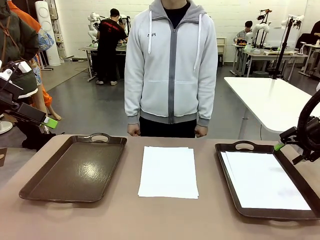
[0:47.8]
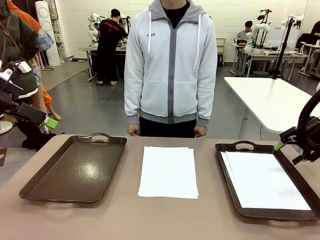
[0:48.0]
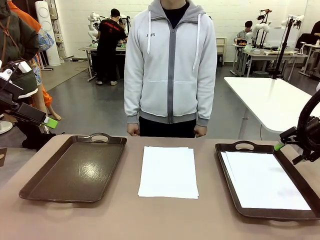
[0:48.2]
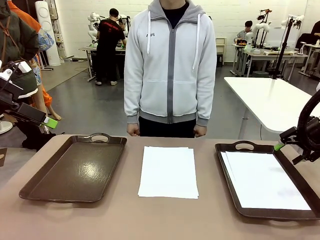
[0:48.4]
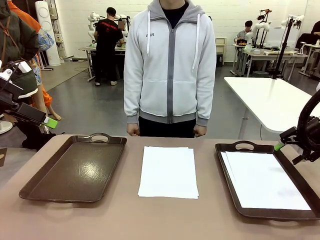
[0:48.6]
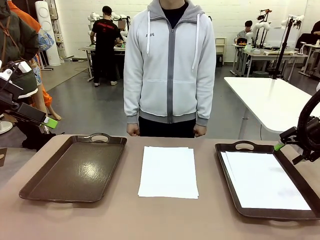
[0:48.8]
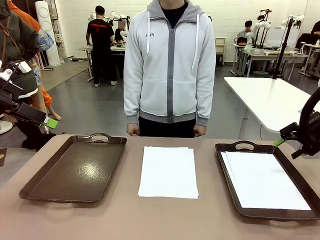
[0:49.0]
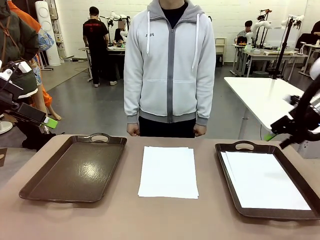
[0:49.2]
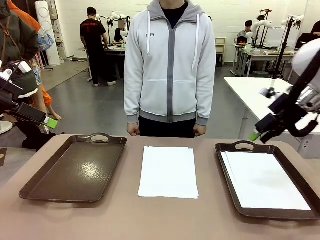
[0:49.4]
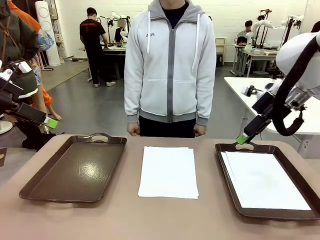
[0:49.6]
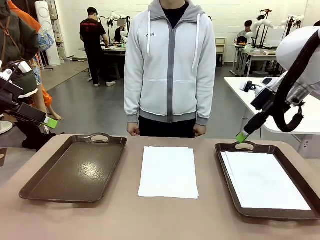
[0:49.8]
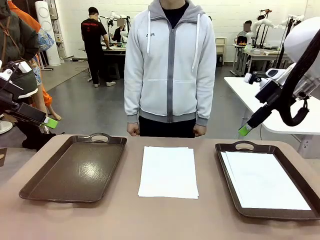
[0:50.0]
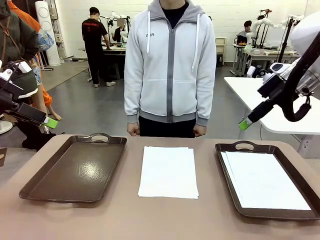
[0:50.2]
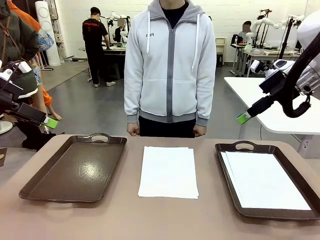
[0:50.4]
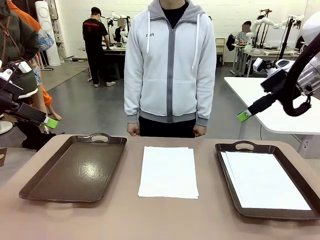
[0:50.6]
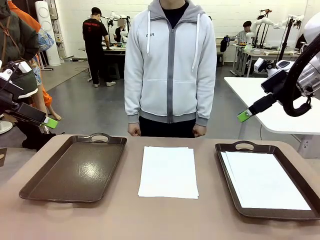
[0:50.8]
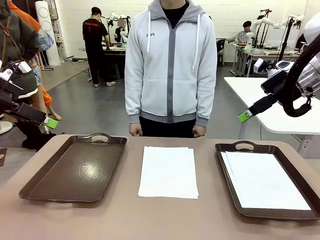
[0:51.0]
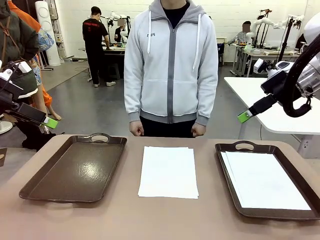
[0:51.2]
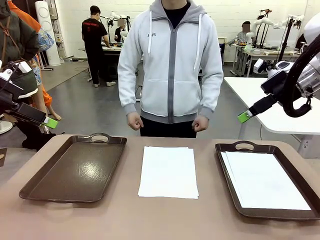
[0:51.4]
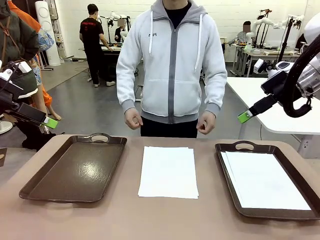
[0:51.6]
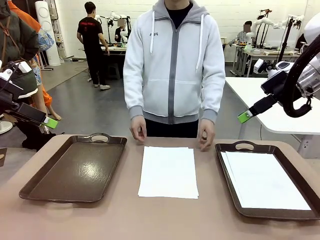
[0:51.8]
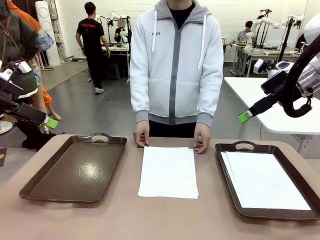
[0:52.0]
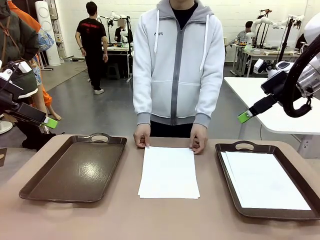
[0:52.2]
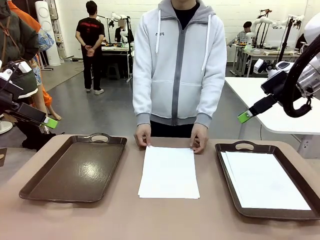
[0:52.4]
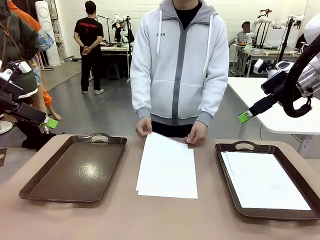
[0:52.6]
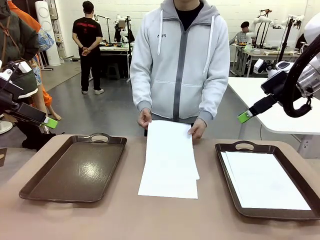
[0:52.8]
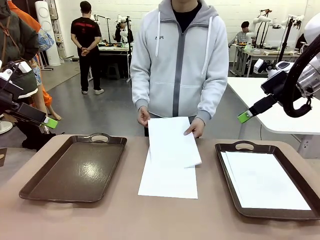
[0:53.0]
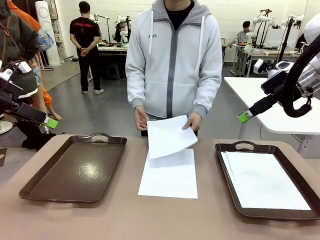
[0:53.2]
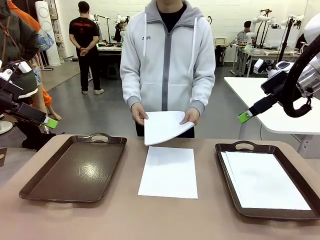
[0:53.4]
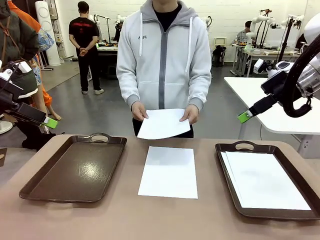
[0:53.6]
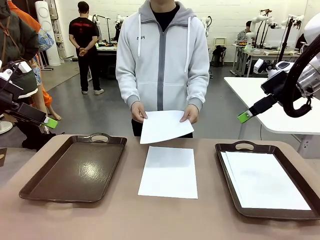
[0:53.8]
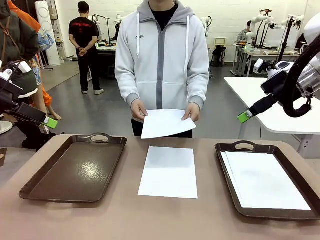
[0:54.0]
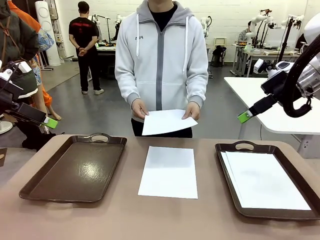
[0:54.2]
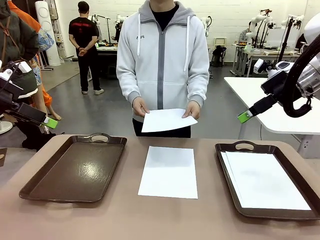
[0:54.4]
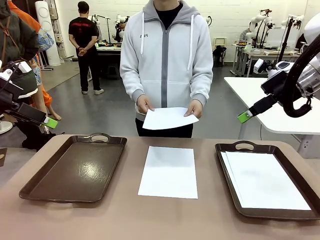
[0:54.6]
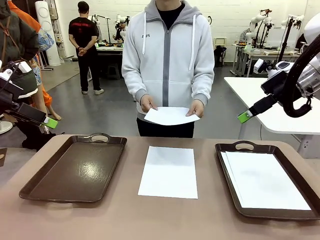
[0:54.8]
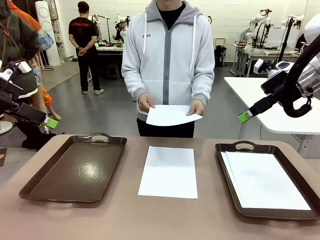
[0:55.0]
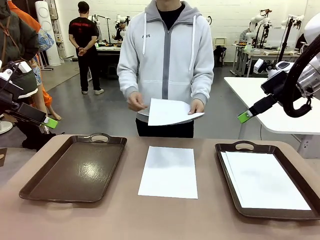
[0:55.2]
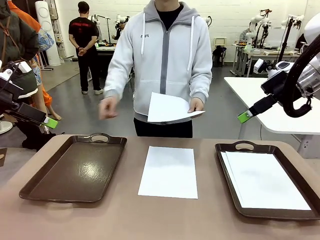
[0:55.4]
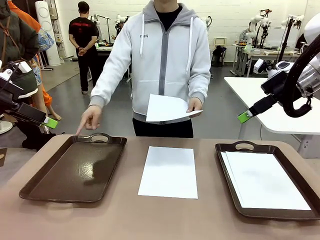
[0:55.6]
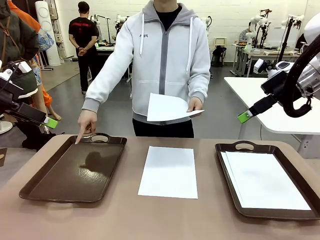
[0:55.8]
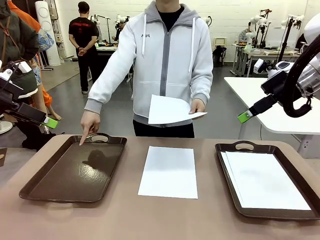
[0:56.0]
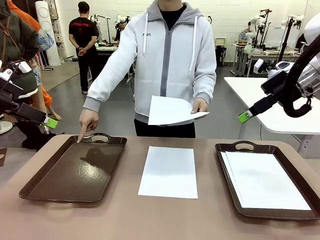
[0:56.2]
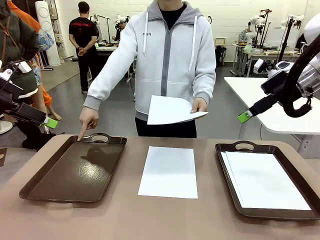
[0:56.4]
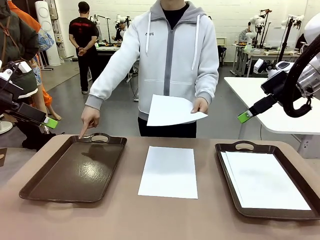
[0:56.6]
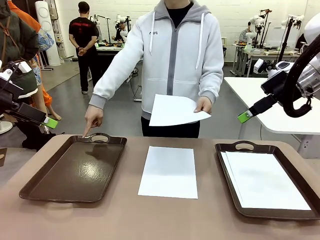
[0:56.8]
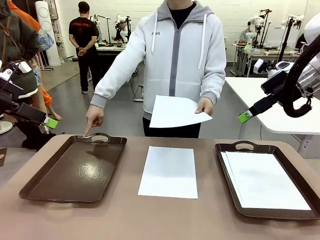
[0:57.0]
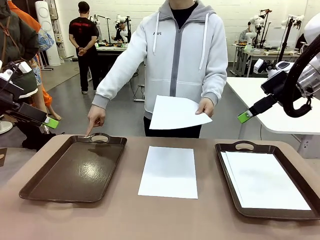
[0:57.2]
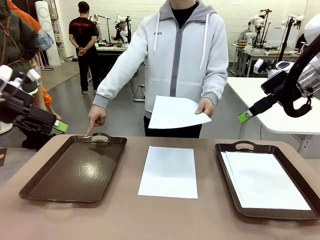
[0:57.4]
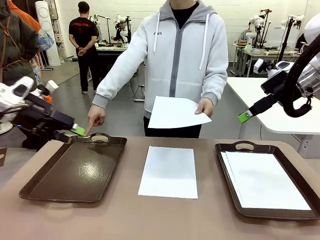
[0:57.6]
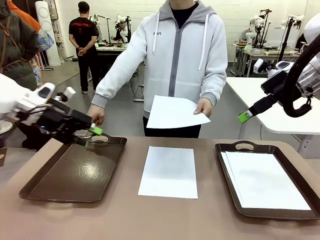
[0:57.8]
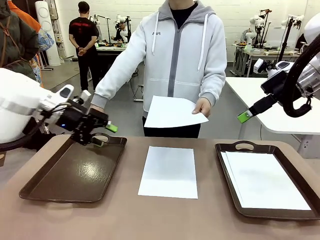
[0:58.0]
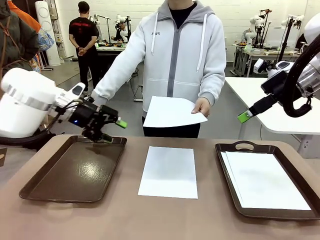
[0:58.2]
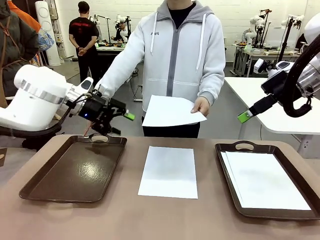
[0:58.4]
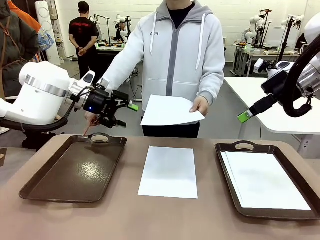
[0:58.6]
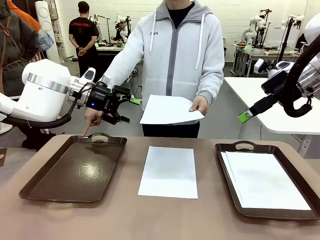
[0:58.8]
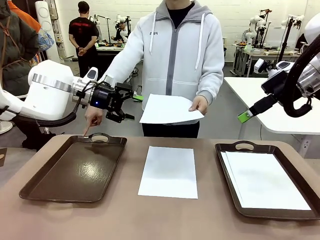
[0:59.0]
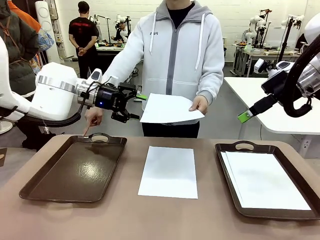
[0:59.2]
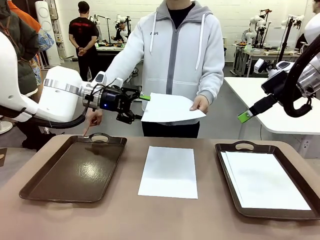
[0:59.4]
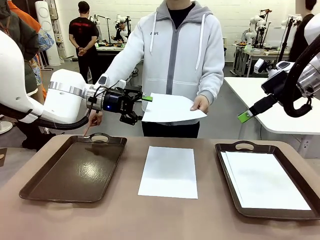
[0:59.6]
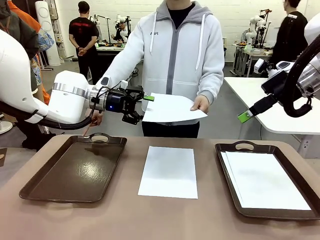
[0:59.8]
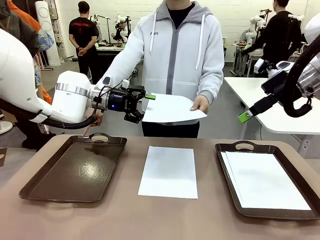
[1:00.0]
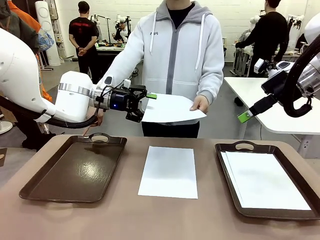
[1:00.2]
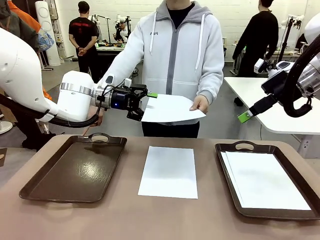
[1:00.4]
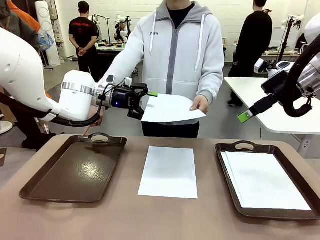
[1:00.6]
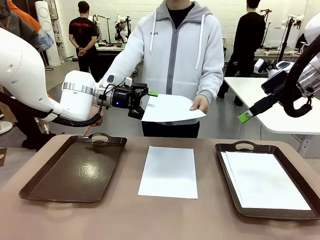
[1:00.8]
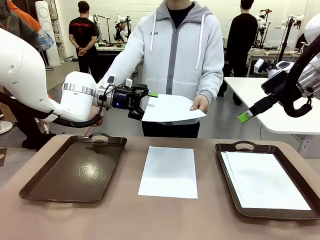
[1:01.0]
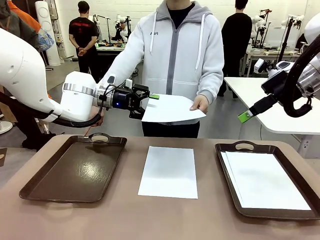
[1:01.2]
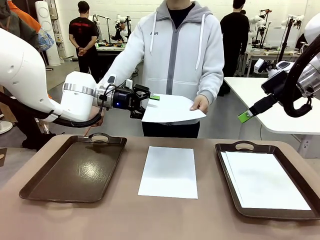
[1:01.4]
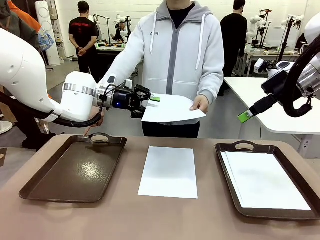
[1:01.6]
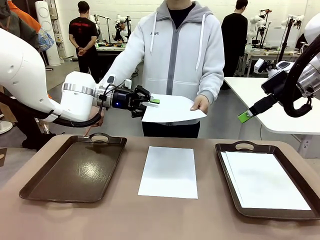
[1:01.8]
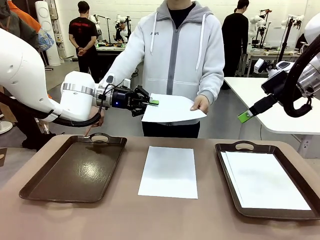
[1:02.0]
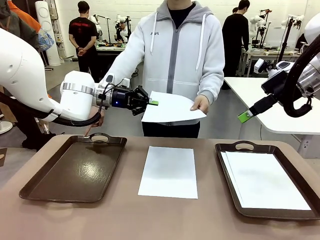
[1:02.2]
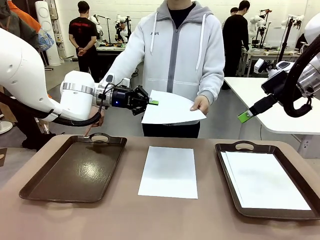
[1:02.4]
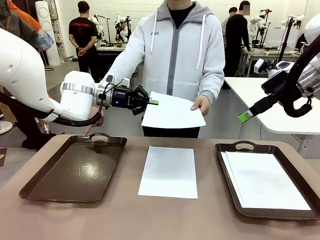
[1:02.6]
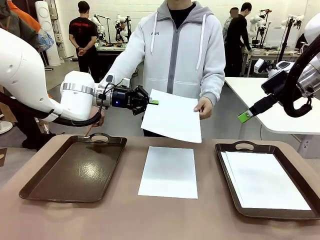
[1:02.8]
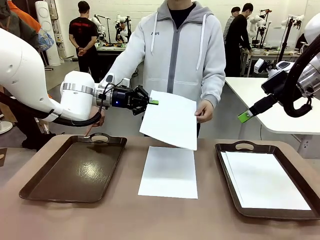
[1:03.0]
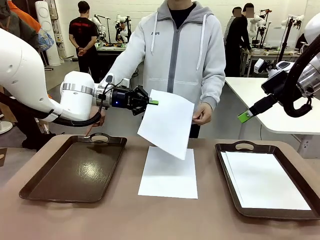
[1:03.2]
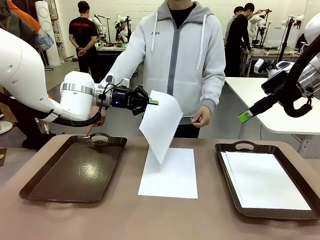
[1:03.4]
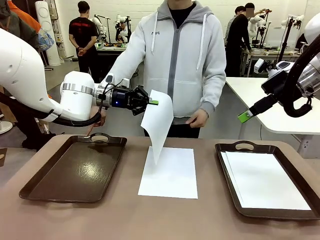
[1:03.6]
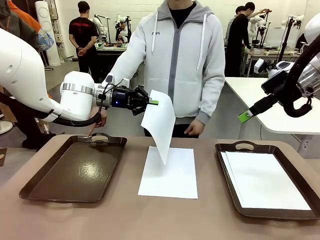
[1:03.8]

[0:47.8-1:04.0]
Task: Sort the A4 documents.
Robot: Receive the A4 Paper.
Person: Point the randomly selected tray with the other hand.

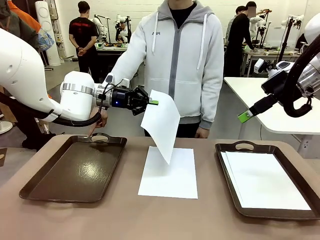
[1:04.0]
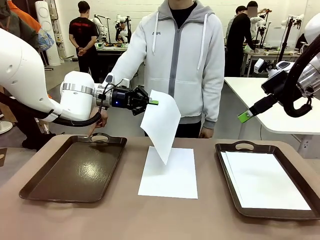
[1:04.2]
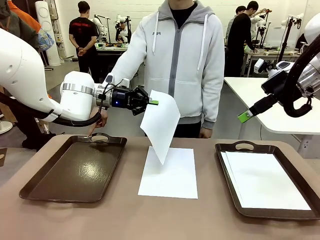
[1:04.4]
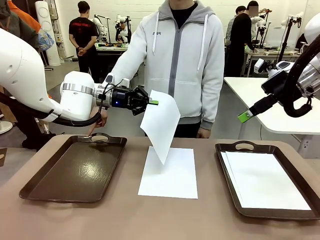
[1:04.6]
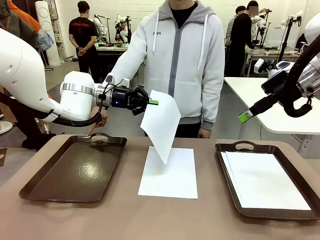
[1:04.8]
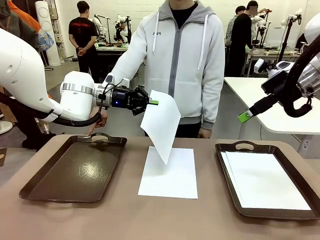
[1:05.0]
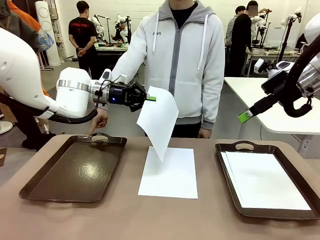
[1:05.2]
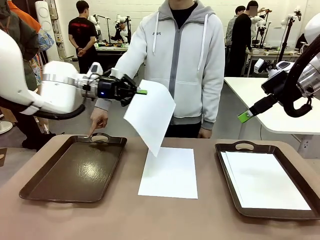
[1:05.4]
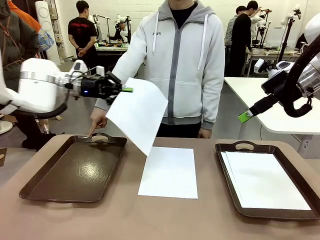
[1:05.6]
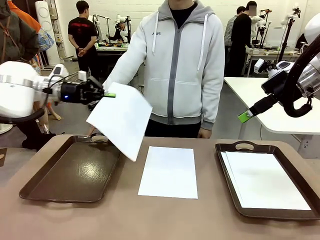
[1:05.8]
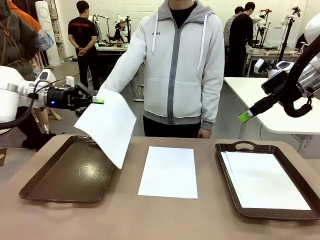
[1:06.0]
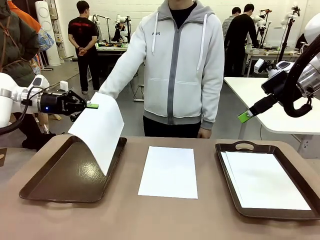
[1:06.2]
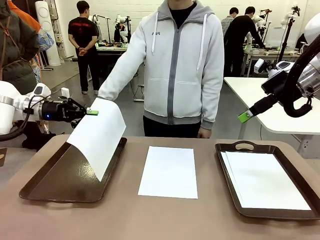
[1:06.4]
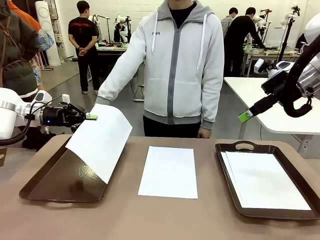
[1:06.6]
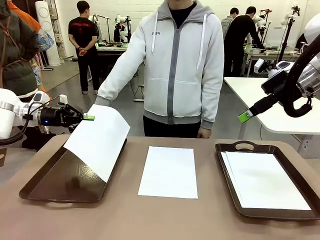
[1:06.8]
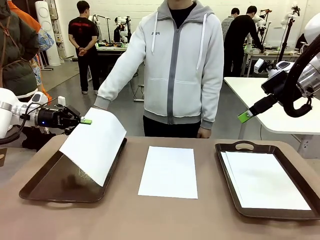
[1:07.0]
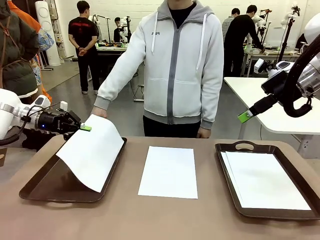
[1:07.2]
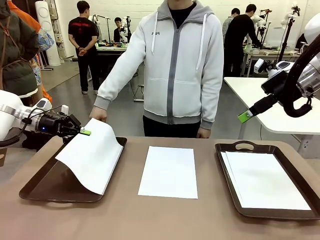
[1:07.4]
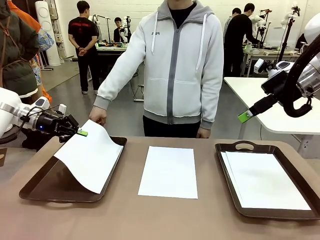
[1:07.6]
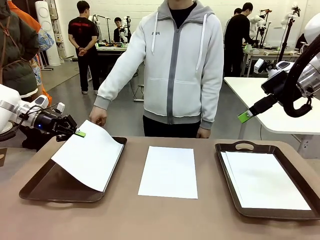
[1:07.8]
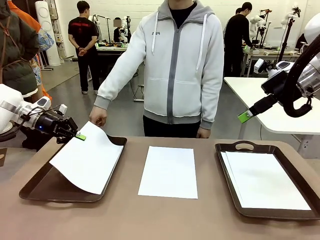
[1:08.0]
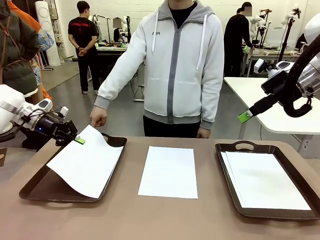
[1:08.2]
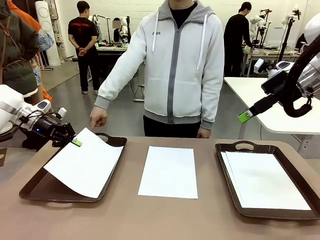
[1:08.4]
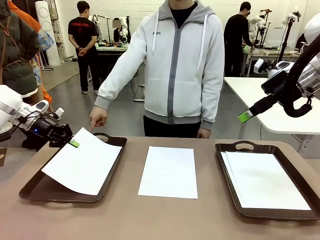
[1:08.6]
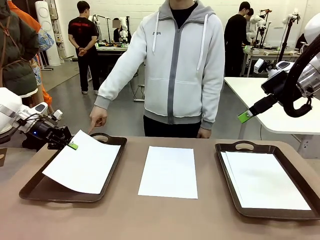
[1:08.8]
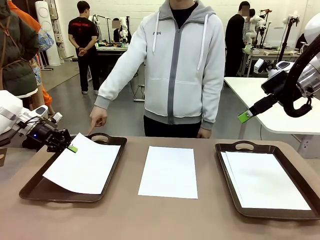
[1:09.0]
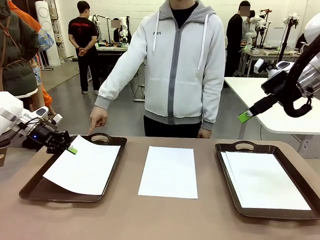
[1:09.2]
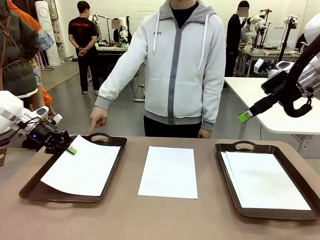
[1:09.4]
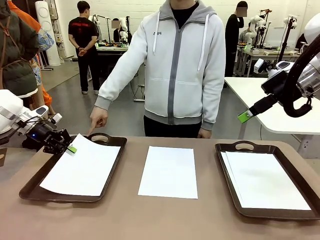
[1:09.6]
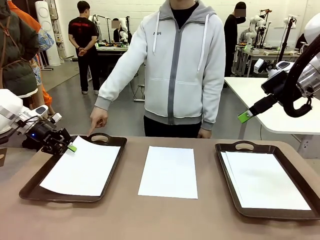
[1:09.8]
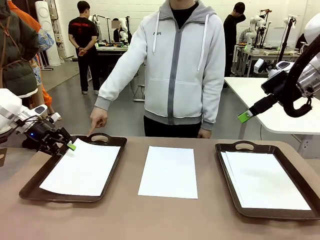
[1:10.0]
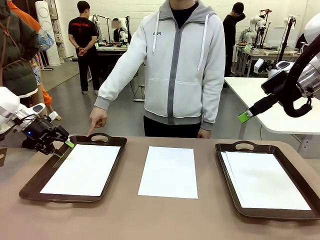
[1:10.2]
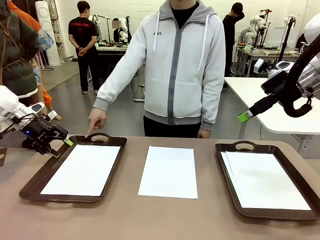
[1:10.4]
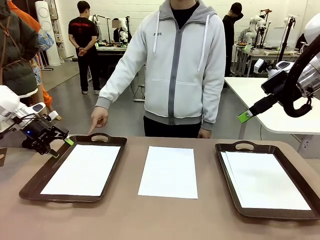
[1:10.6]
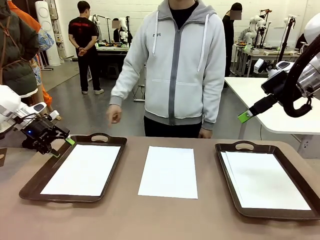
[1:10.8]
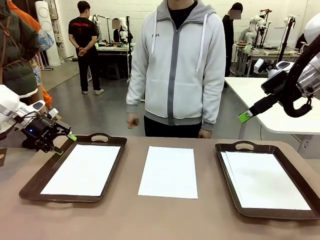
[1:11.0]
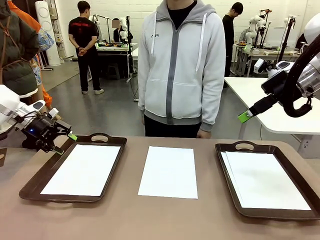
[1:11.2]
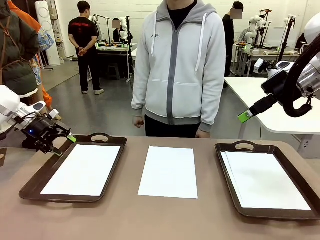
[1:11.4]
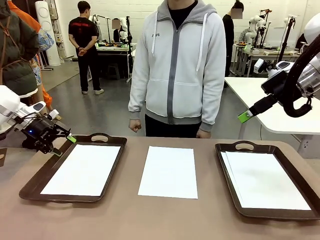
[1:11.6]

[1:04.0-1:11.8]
Robot: Place the A4 Paper in the designated Handle tray.
